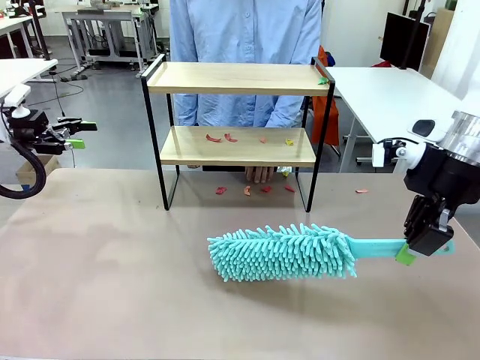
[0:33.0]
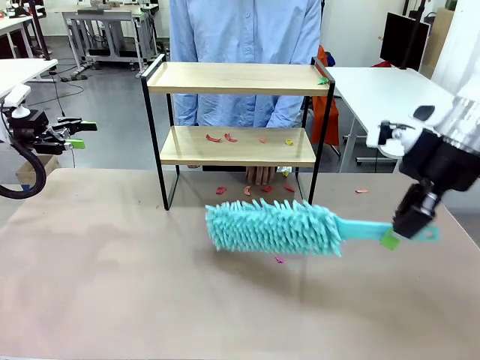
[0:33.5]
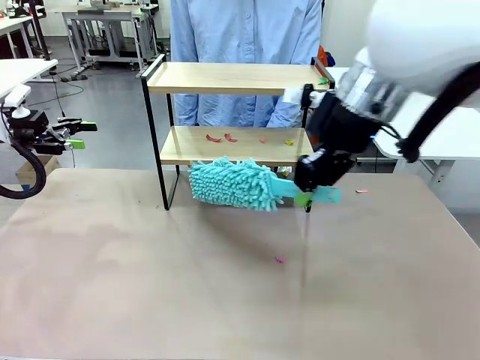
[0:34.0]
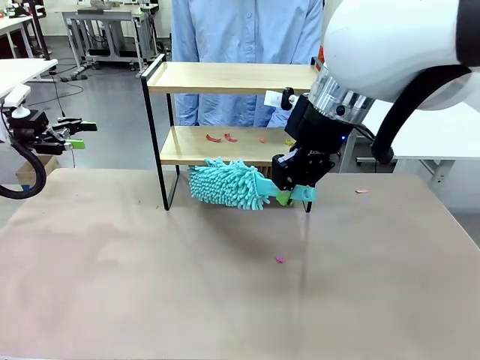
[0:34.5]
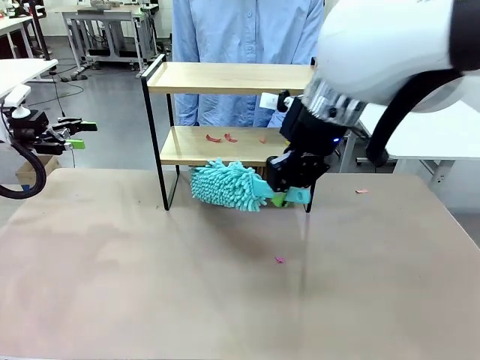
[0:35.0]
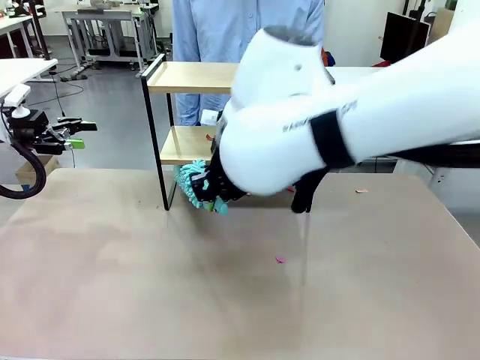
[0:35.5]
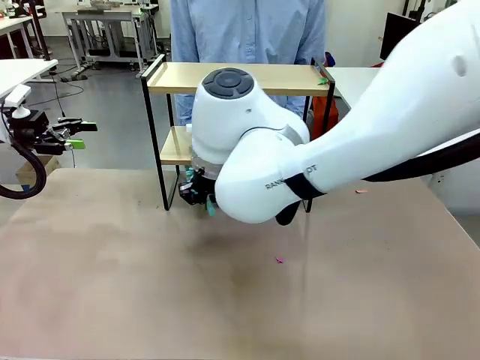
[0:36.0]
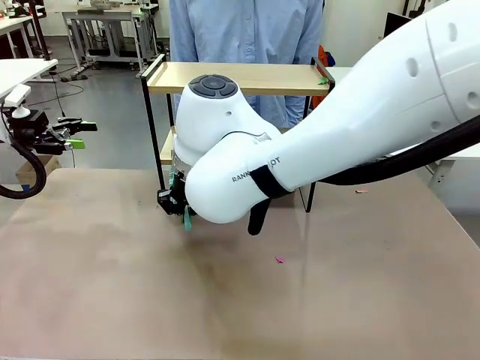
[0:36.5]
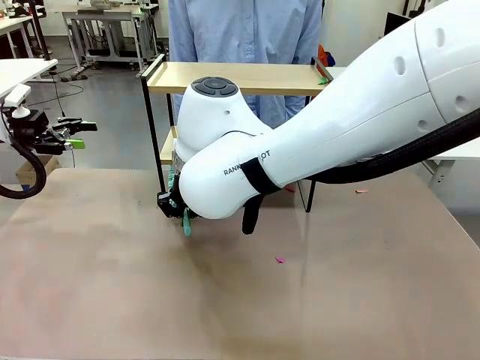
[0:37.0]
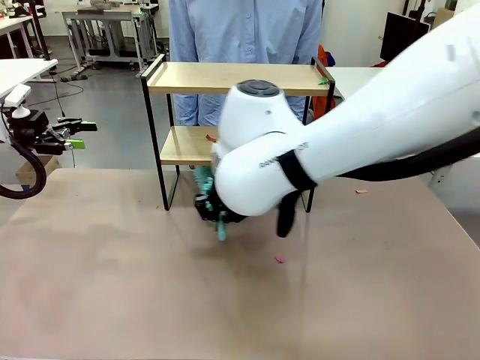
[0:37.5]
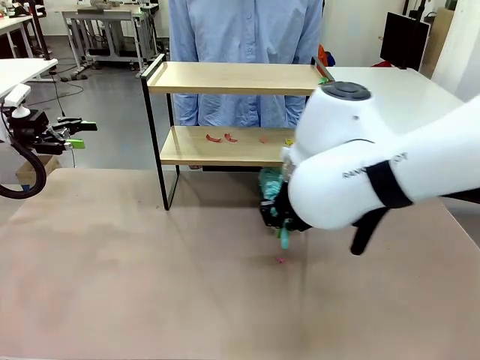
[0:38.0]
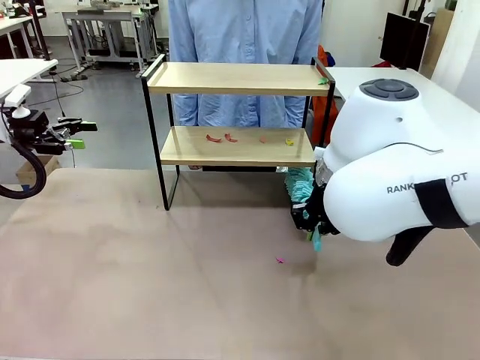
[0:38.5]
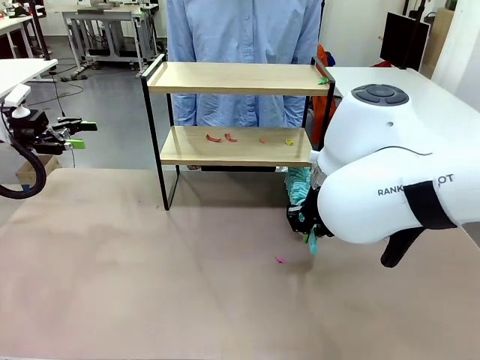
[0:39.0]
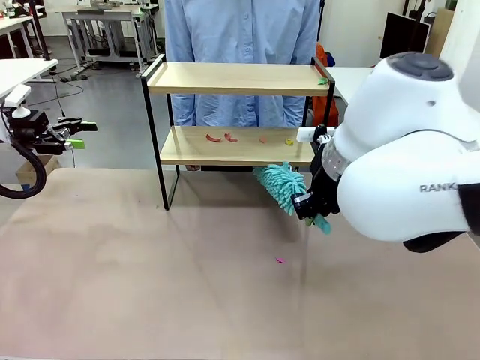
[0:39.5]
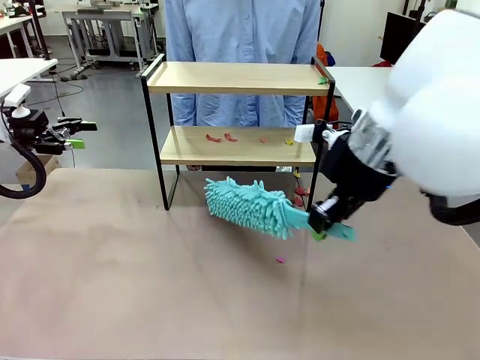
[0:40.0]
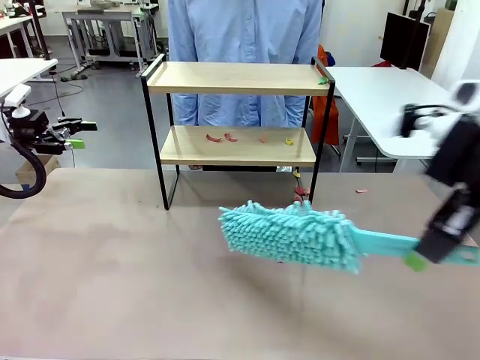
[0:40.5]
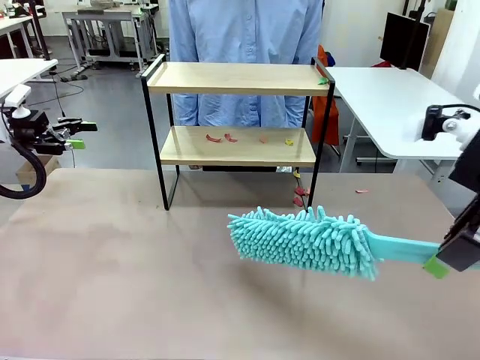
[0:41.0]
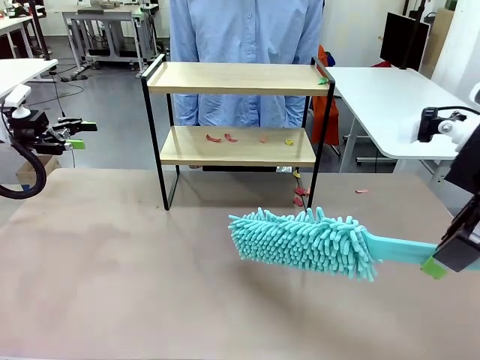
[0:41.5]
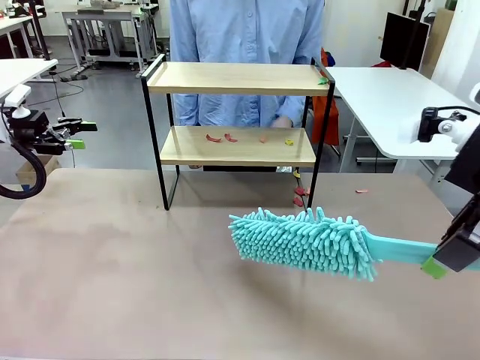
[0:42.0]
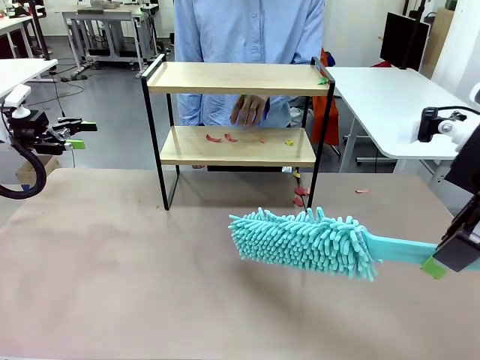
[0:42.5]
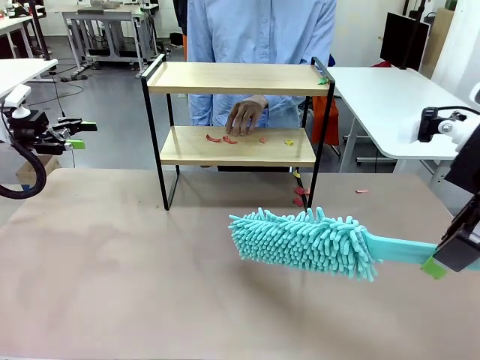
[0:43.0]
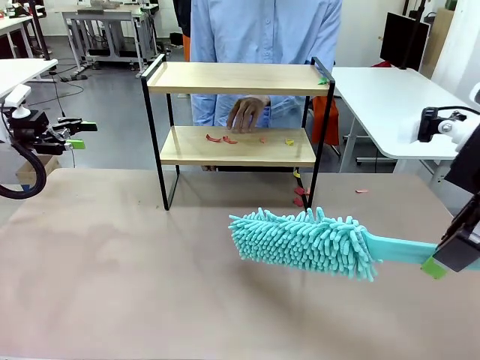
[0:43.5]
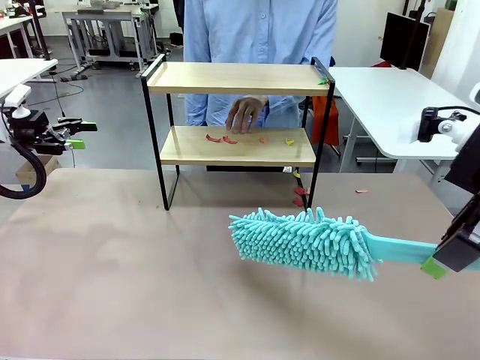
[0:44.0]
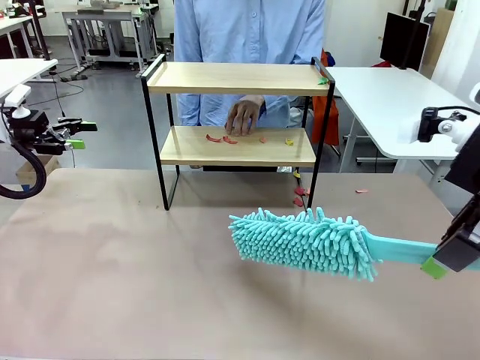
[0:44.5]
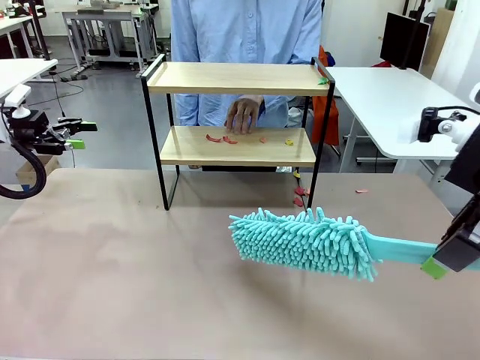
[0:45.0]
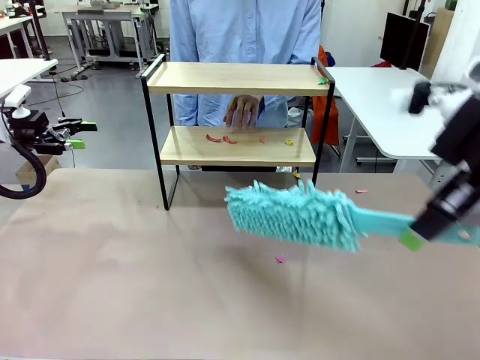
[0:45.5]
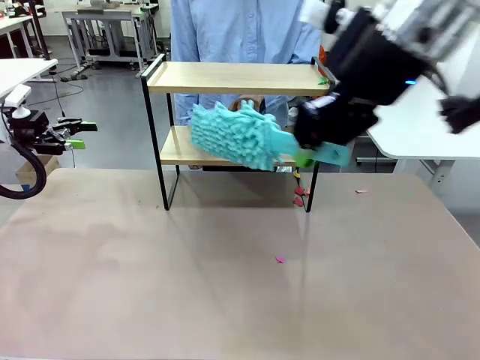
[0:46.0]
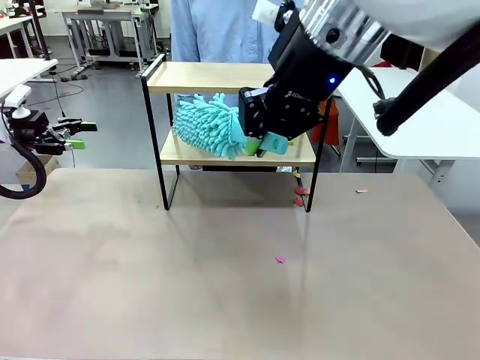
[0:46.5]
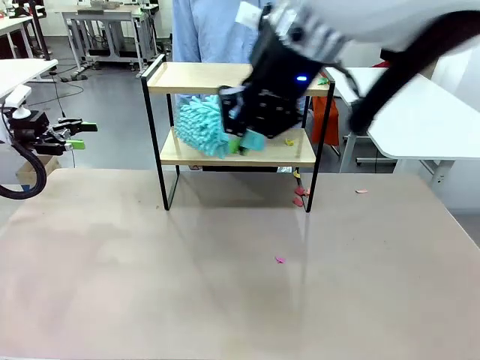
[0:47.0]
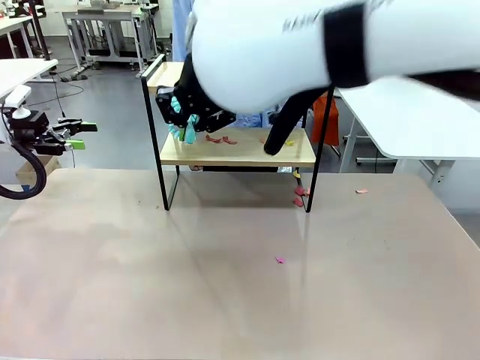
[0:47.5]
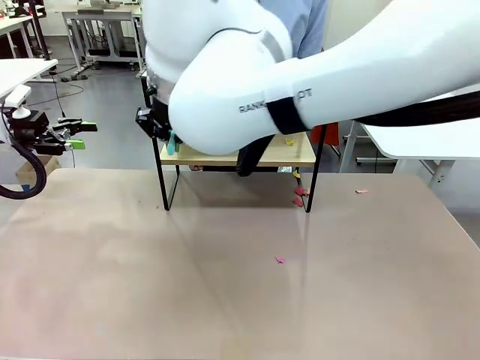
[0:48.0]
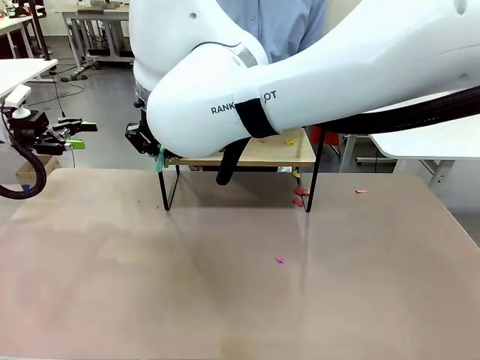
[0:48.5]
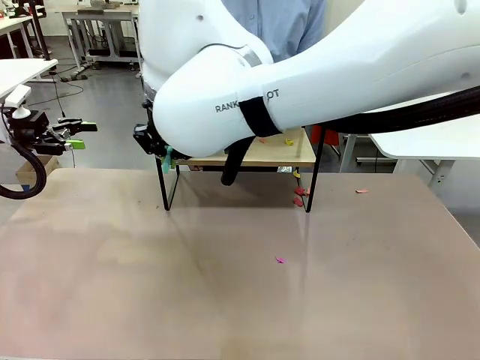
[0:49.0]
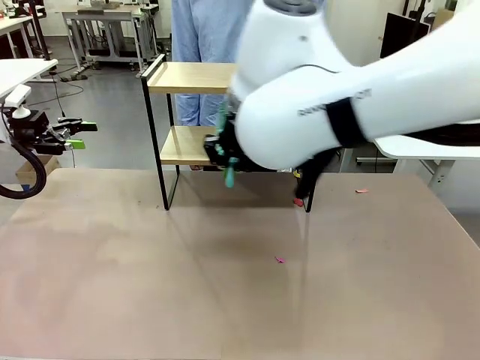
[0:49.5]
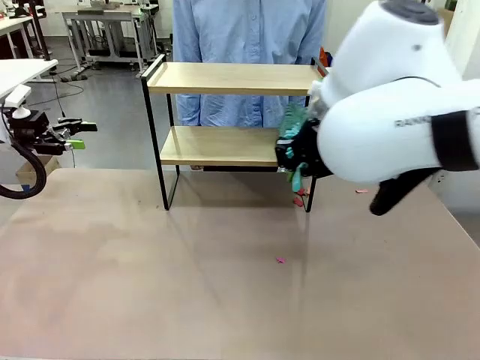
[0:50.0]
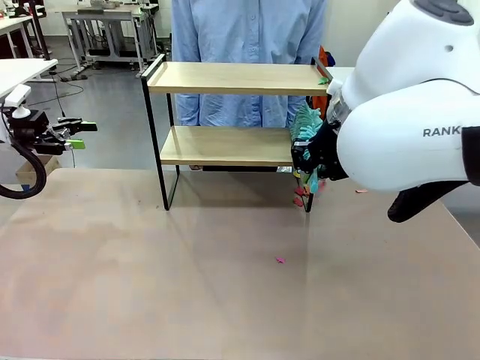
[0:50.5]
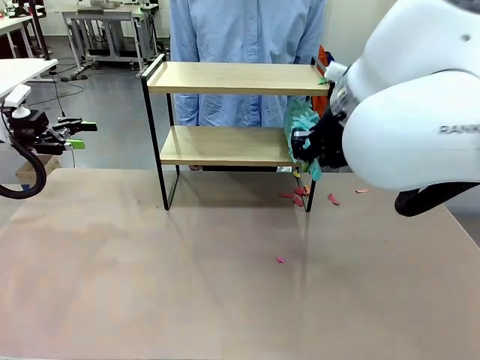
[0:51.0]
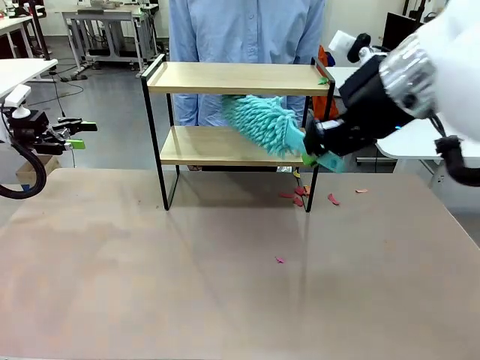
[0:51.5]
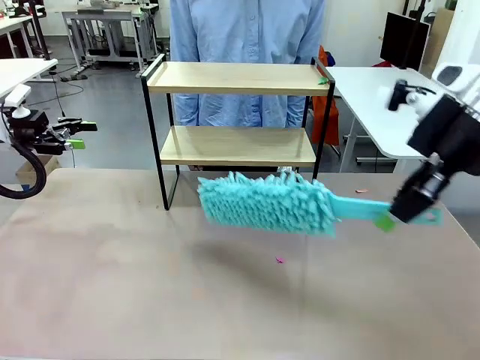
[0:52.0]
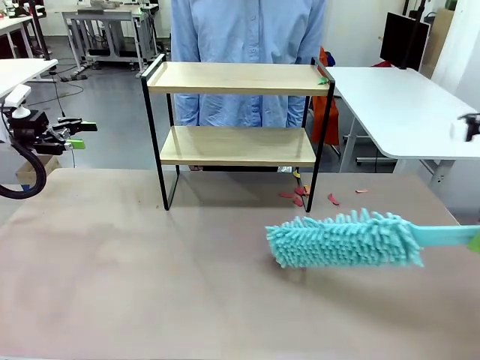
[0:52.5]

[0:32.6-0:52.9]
Task: Clean the shelf.
Robot: Clean the specific section of the Shelf indicated by the human with the Duster.
Person: Point a remaining section of the Shelf.
